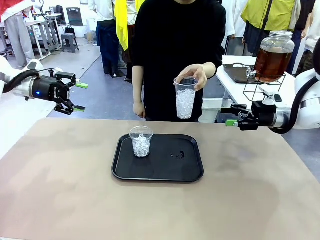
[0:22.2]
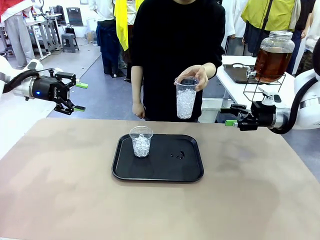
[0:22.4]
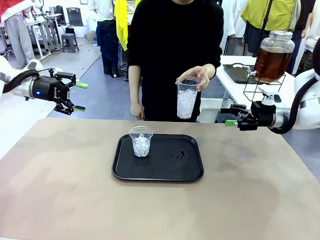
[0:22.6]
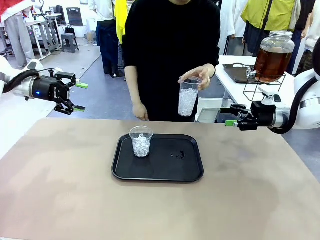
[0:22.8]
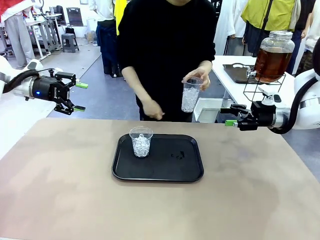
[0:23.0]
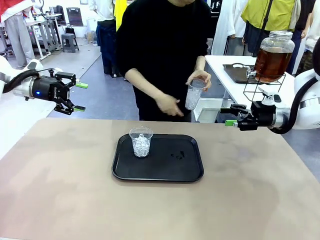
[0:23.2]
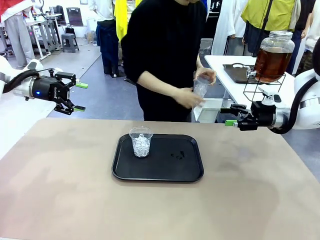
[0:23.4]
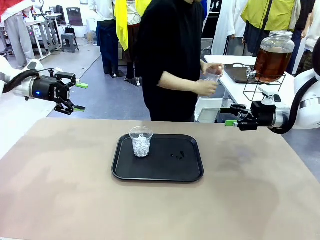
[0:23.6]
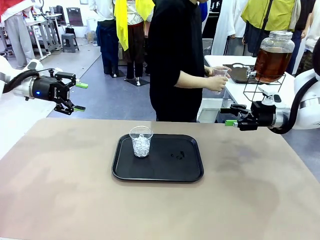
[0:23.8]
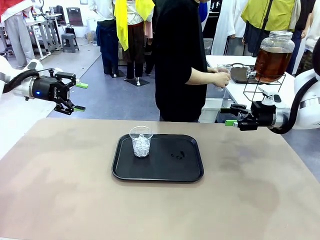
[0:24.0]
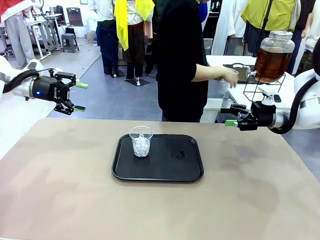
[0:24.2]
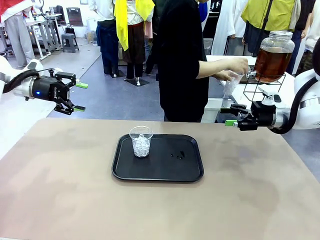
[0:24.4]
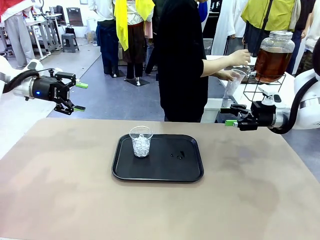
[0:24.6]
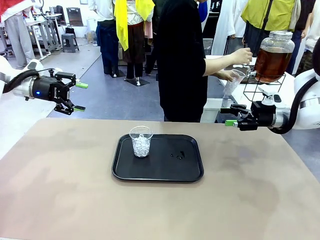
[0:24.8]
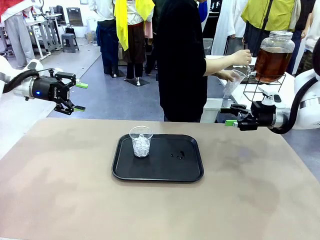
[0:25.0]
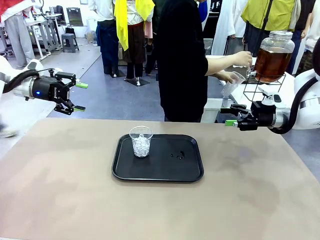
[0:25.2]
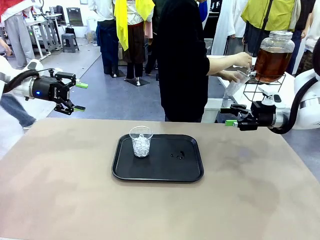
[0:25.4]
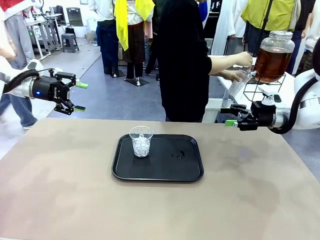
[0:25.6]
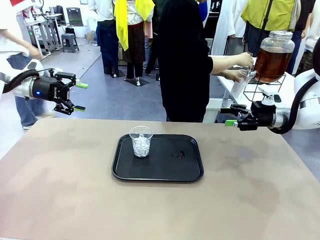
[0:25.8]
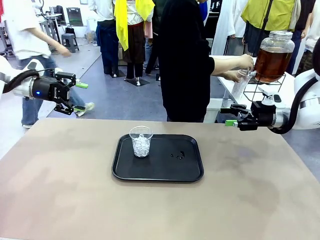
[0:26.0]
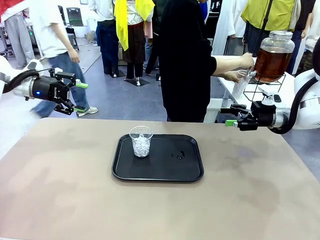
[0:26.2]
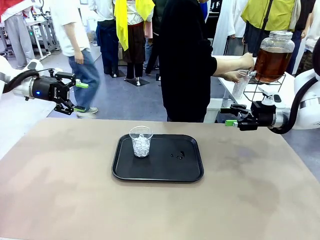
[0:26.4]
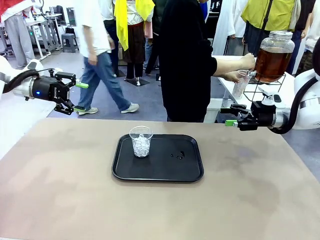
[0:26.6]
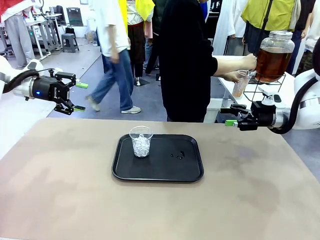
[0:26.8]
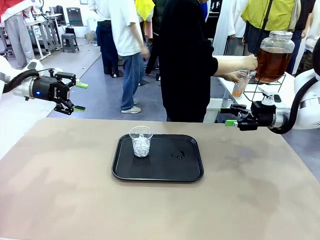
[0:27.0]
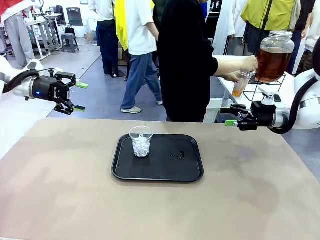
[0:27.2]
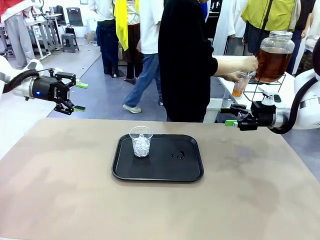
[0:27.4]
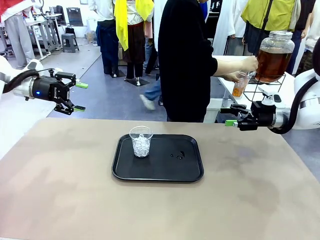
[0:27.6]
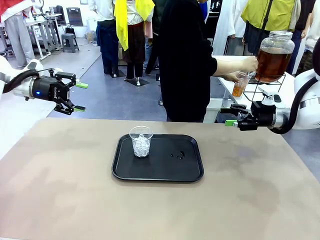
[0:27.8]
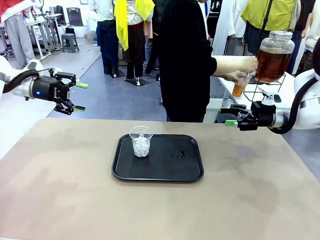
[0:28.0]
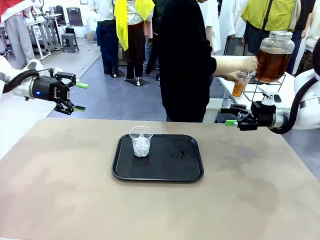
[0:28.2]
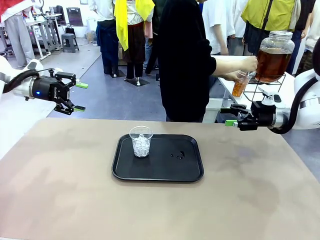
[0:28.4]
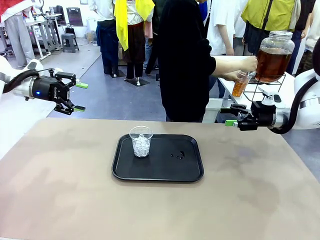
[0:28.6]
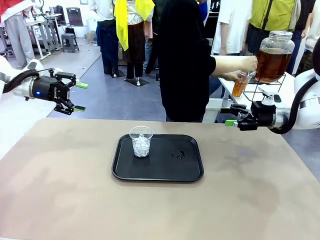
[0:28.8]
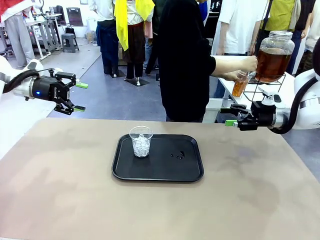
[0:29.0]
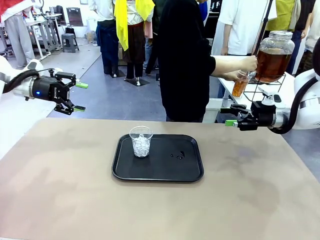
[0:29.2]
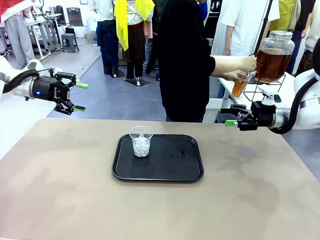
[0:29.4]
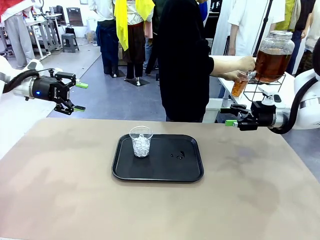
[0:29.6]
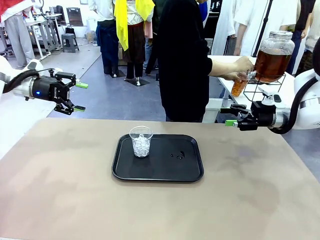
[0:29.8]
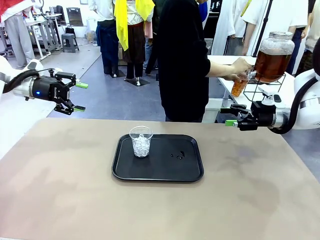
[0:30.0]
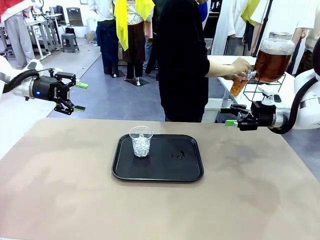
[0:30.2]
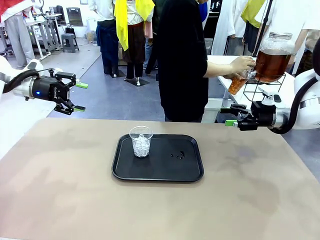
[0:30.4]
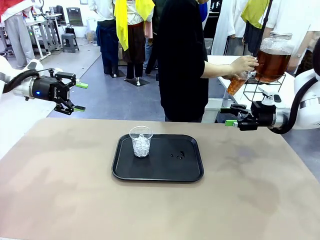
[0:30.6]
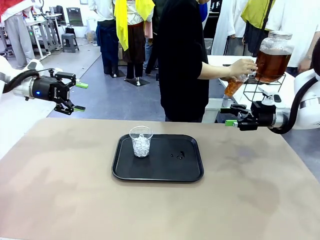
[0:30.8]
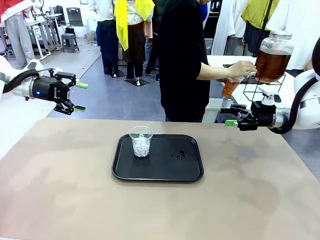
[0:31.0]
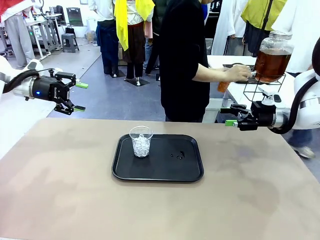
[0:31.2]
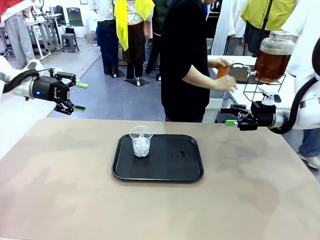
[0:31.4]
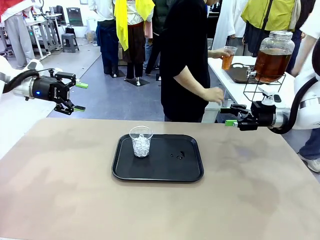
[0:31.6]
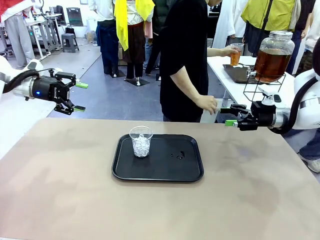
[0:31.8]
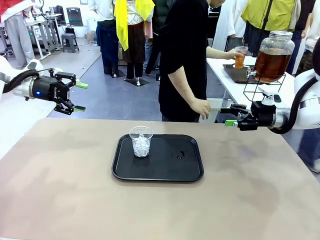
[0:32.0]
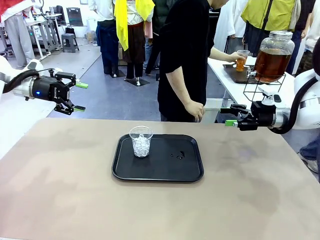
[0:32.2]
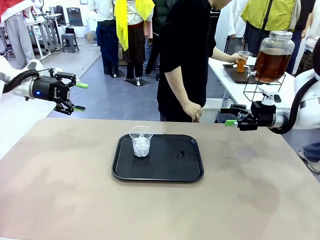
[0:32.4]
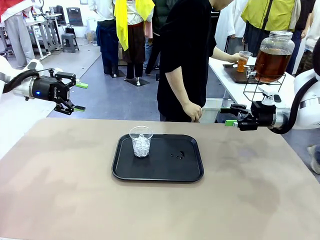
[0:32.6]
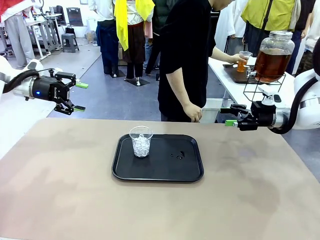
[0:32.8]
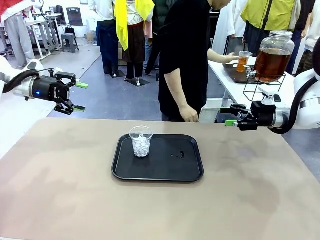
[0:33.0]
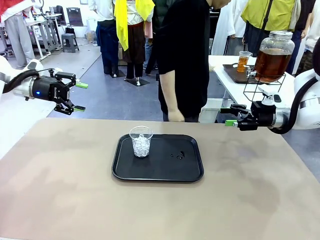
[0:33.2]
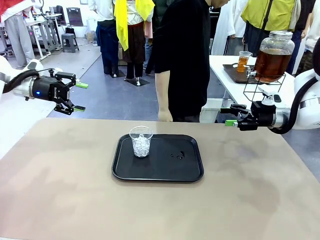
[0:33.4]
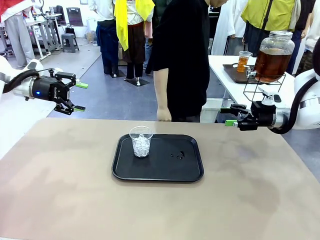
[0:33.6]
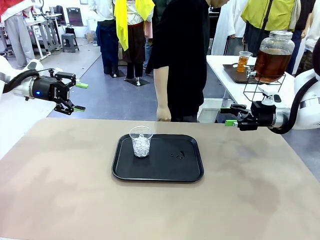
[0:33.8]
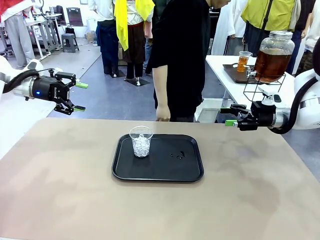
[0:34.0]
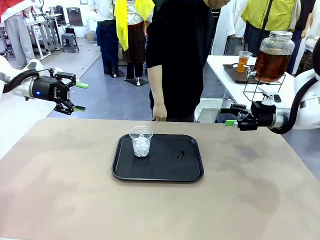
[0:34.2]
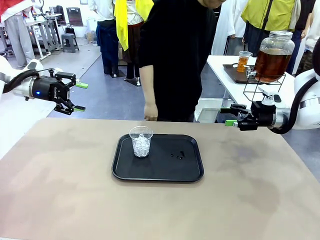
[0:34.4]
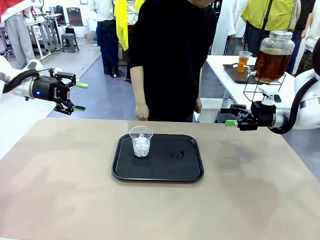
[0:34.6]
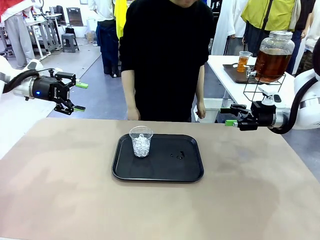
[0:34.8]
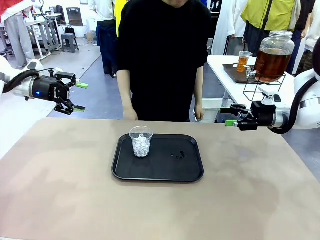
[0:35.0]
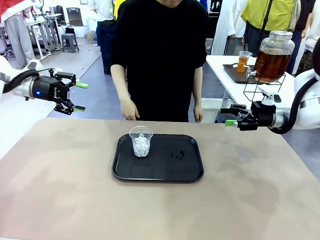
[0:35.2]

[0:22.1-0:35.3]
Task: Pour the drink into the iced cup.
Robot: Pick up the iced cup indicated by the human and present it to them.
Person: Move the picked-up cup under the dispenser faucet, pour the drink, and place it on the tray on the human table. Point to the remaining ice cup on the robot table.

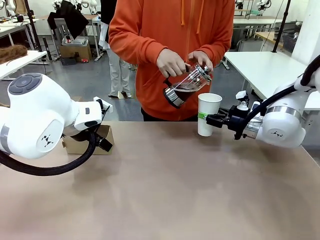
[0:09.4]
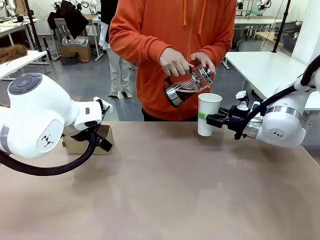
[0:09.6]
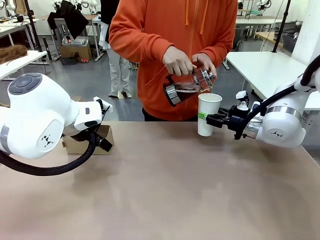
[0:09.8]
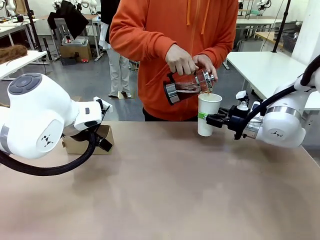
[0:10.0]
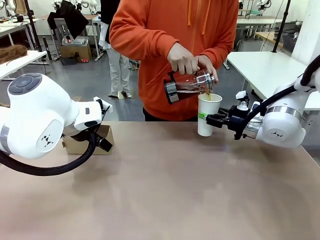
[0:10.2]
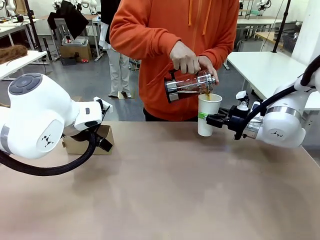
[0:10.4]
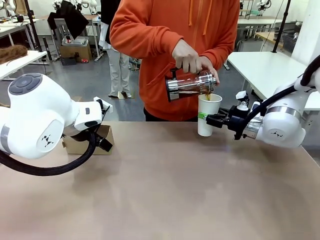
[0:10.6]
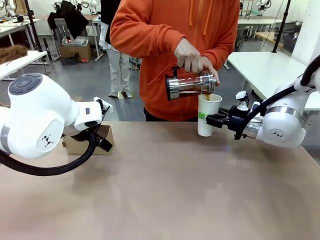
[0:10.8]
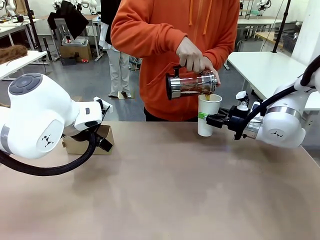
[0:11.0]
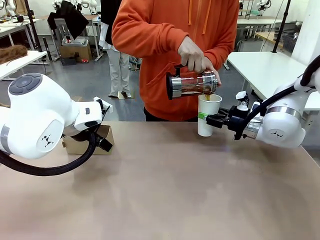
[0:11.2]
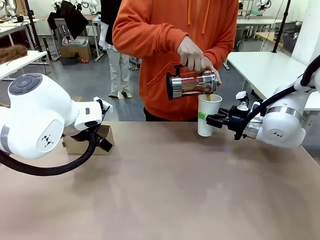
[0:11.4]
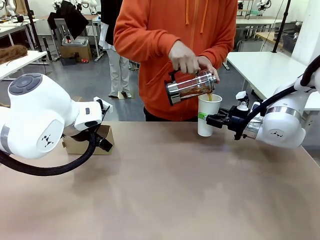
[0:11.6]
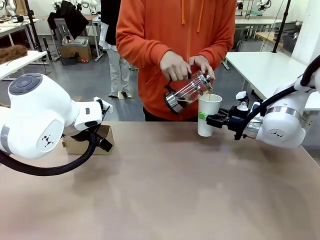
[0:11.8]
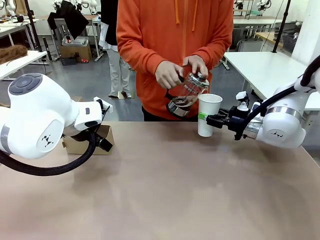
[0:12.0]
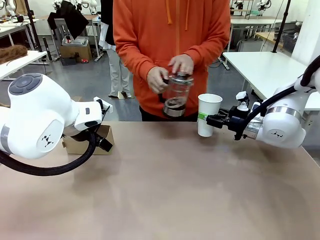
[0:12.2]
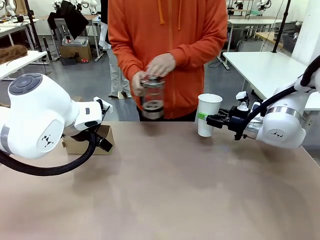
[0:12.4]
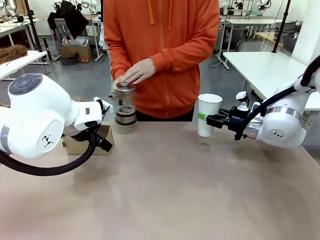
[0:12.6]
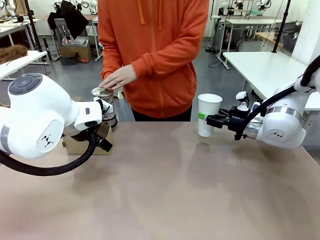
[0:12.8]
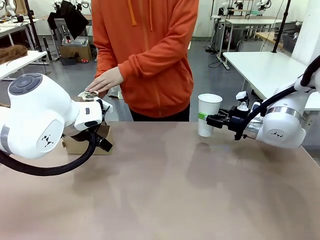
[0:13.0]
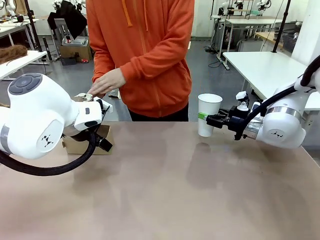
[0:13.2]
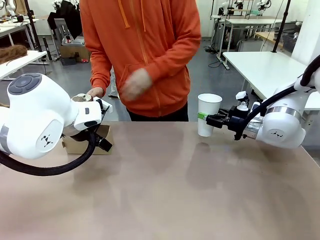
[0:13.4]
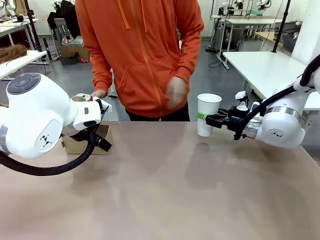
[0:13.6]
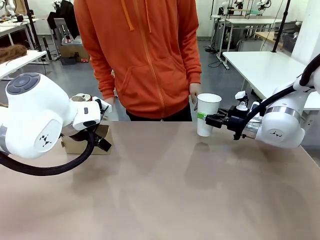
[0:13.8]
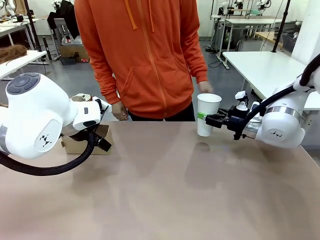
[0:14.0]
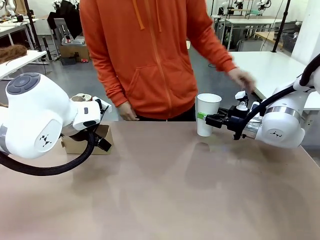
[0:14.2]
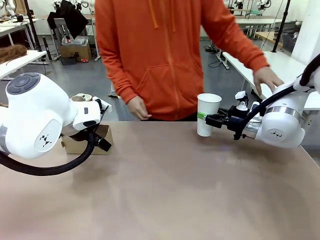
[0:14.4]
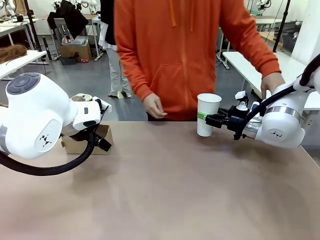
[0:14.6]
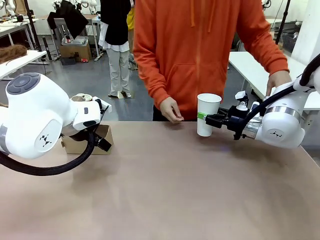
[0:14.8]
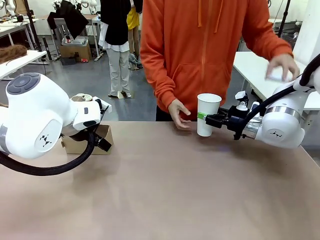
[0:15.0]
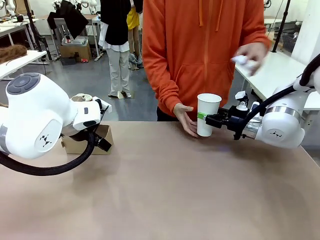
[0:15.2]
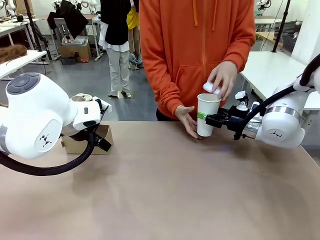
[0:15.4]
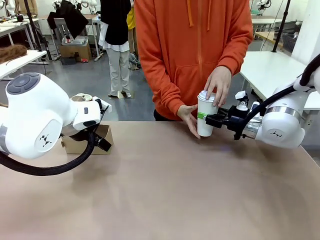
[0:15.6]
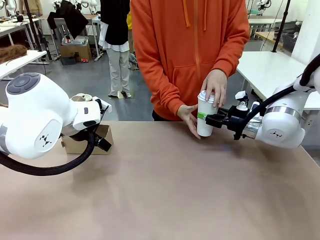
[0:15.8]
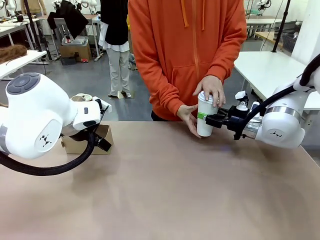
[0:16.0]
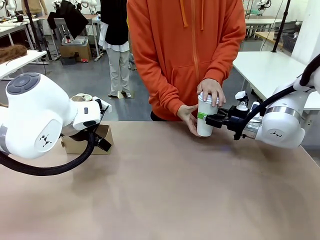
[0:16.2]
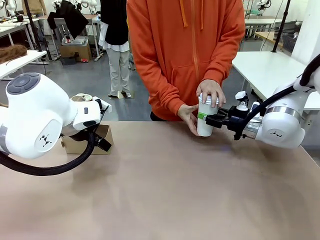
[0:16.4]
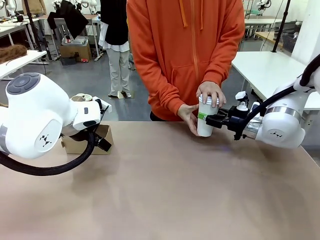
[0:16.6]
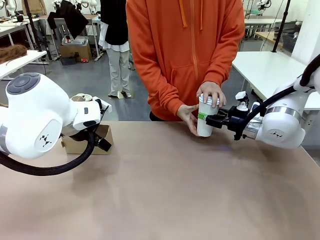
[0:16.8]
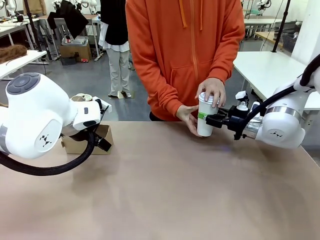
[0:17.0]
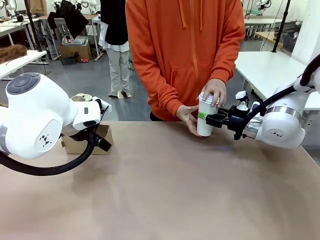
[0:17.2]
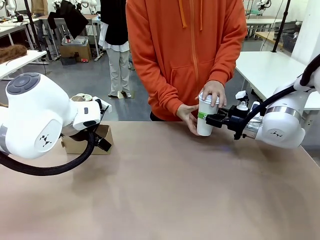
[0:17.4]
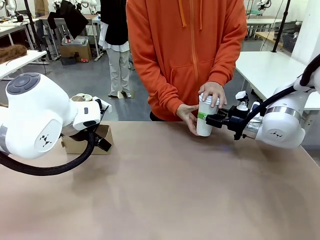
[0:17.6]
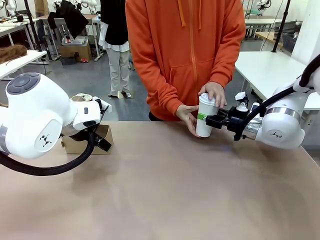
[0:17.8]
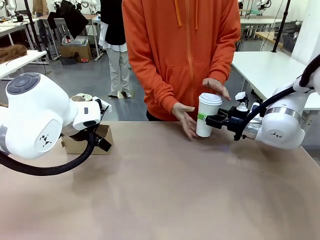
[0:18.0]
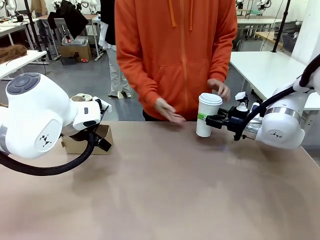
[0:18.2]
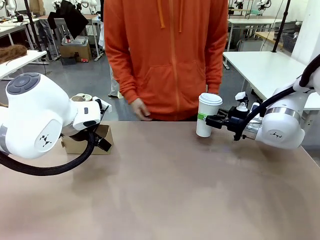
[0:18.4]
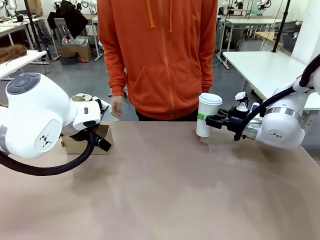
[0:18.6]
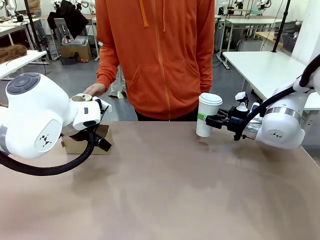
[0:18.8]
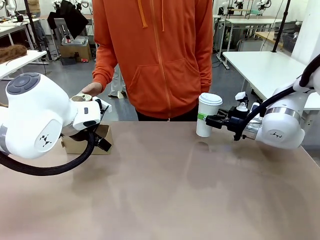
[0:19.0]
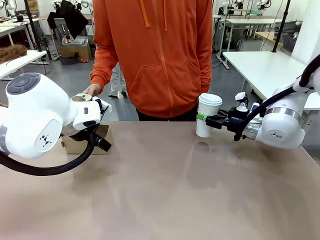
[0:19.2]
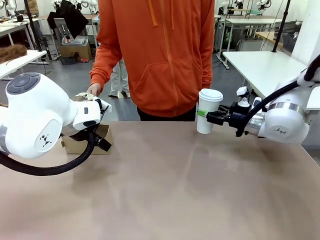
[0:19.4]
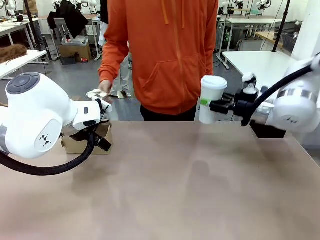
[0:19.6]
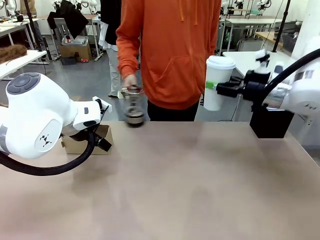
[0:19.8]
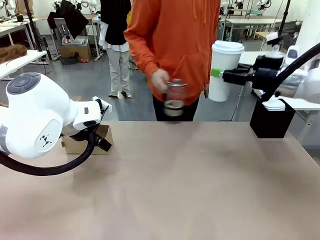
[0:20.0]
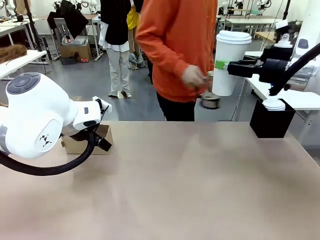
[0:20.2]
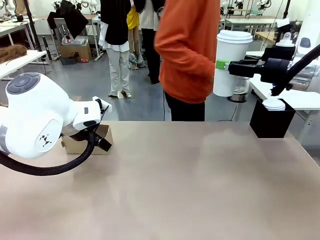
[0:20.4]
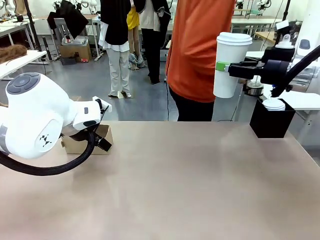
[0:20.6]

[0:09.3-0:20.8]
Task: Pour a drink into a cup and package it in a carrier.
Robot: When a person places the Paper Cup Lid on the 600 ml Paper Cup , lift the 600 ml Paper Cup.
Person: Pour the drink from the Filter Brewing into the 600 ml Paper Cup. Place a Paper Cup Lid on the 600 ml Paper Cup.
